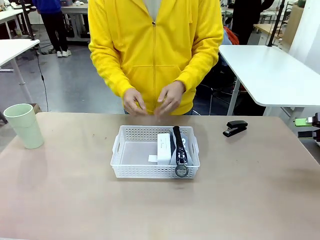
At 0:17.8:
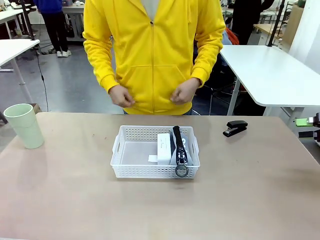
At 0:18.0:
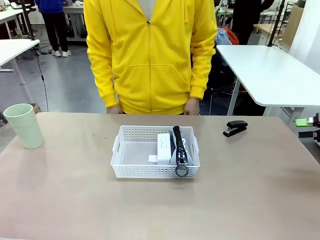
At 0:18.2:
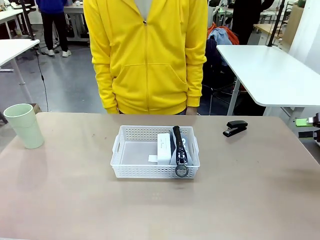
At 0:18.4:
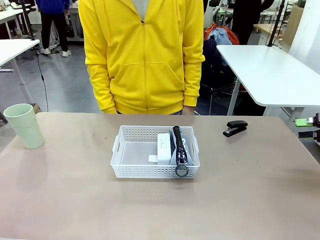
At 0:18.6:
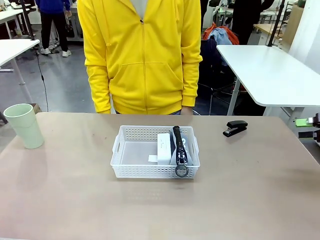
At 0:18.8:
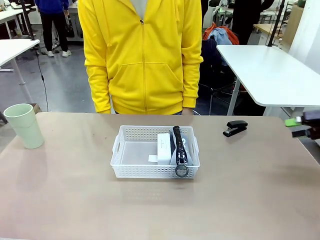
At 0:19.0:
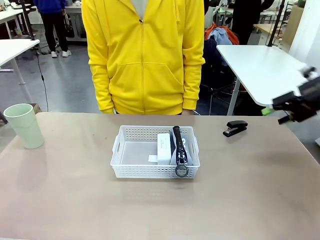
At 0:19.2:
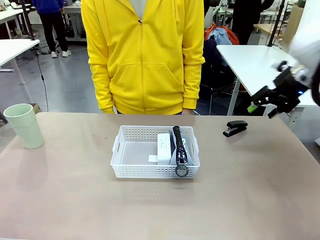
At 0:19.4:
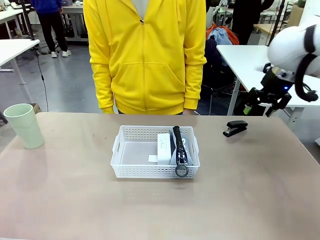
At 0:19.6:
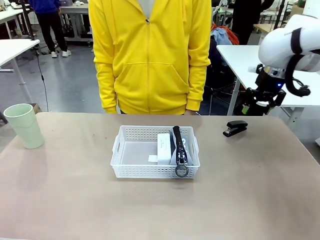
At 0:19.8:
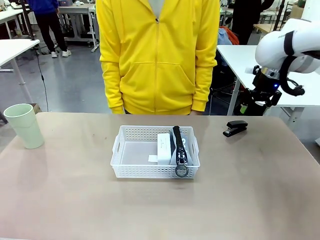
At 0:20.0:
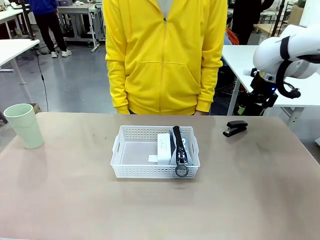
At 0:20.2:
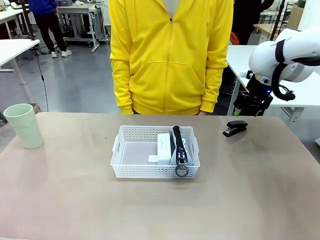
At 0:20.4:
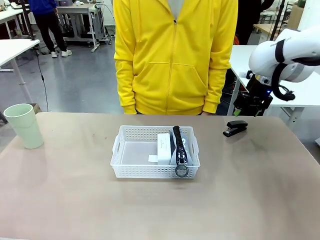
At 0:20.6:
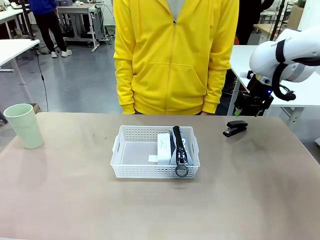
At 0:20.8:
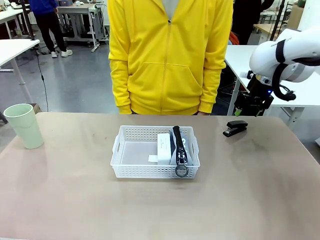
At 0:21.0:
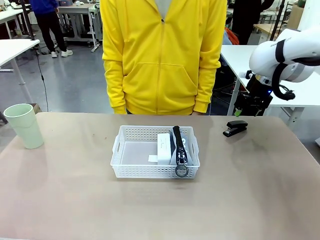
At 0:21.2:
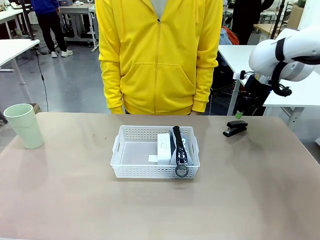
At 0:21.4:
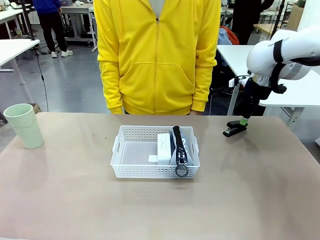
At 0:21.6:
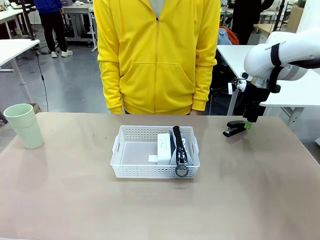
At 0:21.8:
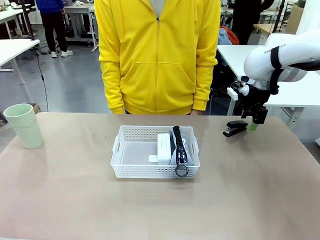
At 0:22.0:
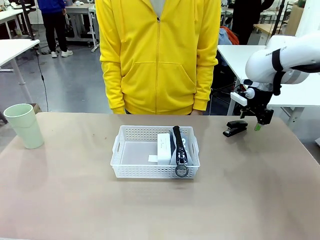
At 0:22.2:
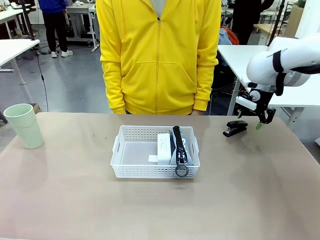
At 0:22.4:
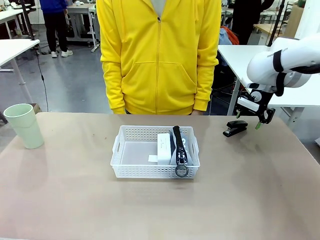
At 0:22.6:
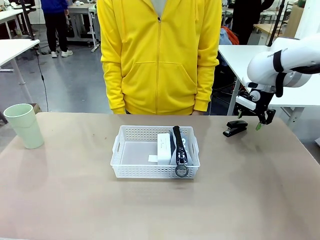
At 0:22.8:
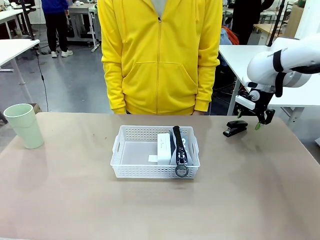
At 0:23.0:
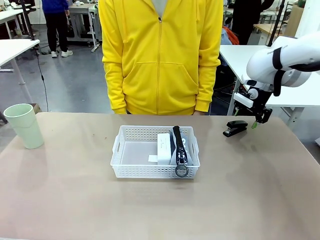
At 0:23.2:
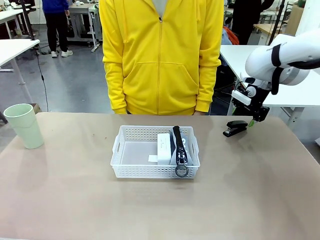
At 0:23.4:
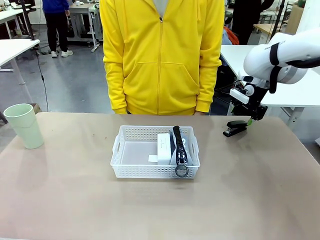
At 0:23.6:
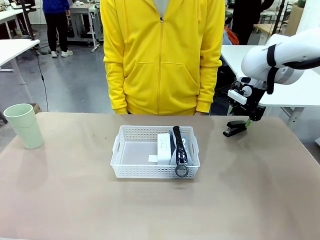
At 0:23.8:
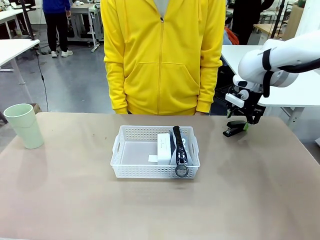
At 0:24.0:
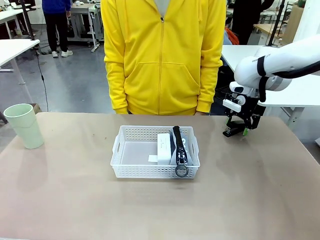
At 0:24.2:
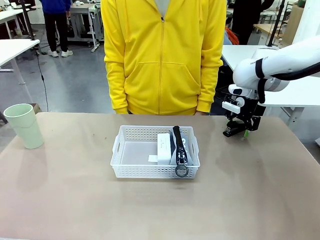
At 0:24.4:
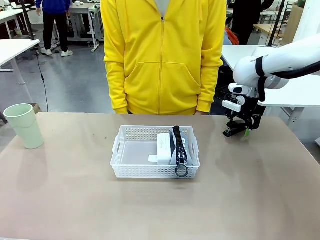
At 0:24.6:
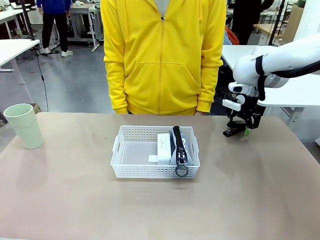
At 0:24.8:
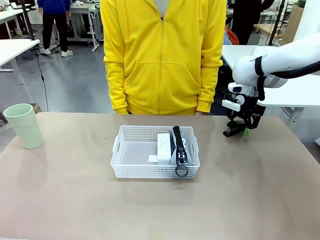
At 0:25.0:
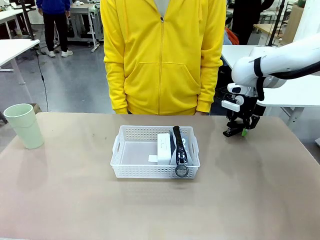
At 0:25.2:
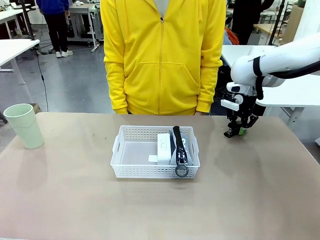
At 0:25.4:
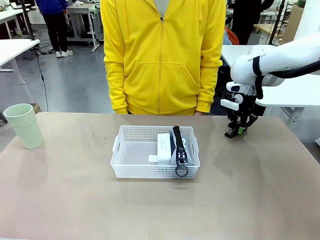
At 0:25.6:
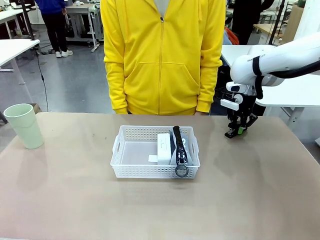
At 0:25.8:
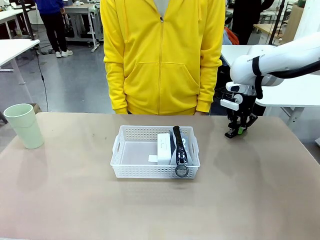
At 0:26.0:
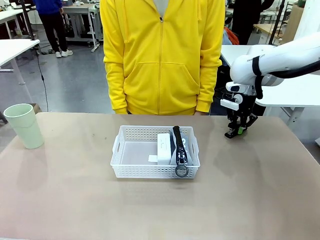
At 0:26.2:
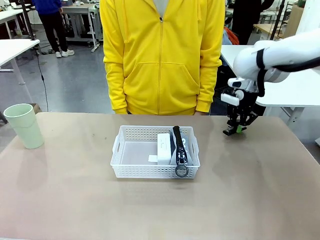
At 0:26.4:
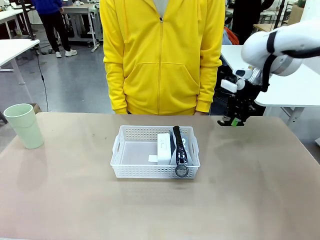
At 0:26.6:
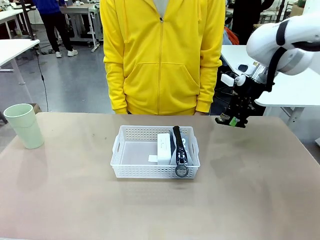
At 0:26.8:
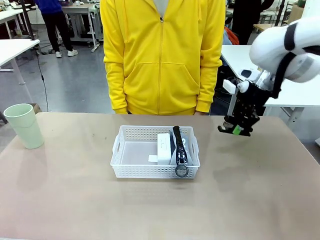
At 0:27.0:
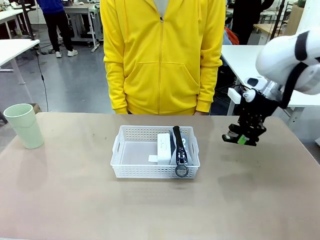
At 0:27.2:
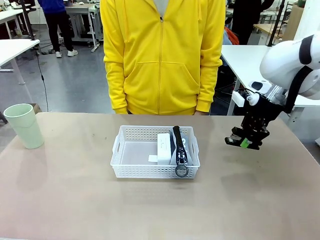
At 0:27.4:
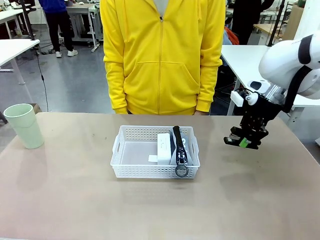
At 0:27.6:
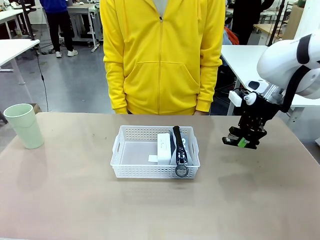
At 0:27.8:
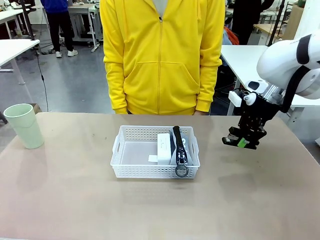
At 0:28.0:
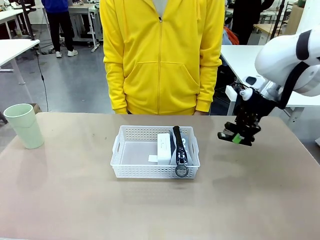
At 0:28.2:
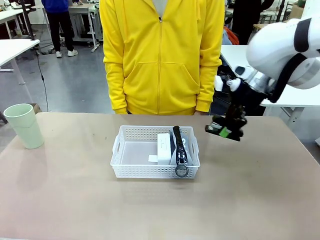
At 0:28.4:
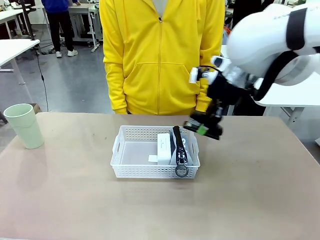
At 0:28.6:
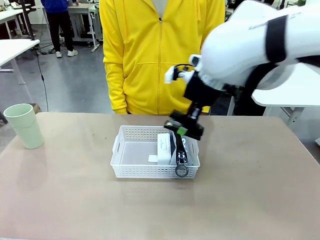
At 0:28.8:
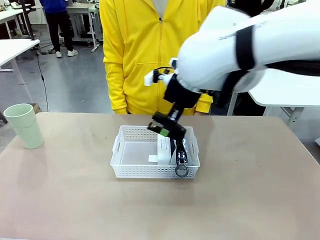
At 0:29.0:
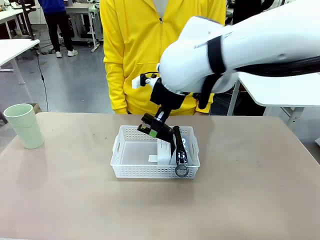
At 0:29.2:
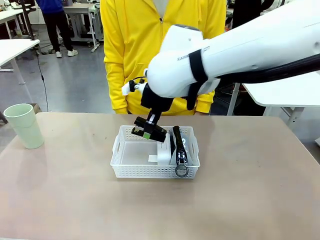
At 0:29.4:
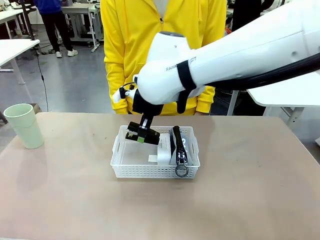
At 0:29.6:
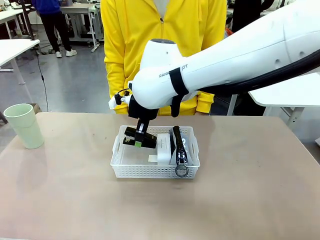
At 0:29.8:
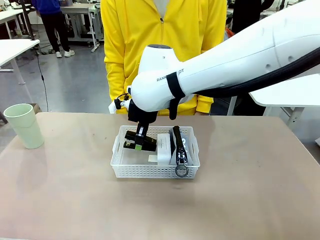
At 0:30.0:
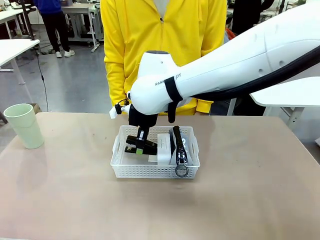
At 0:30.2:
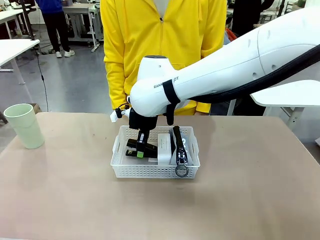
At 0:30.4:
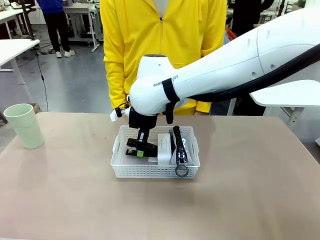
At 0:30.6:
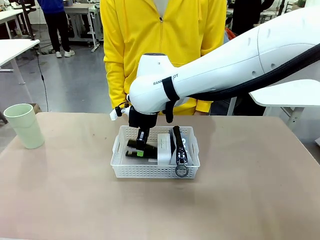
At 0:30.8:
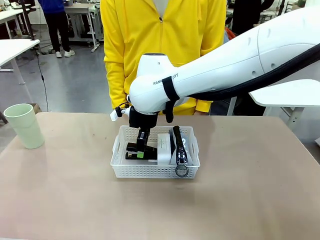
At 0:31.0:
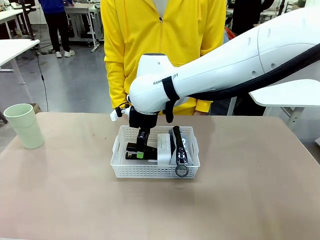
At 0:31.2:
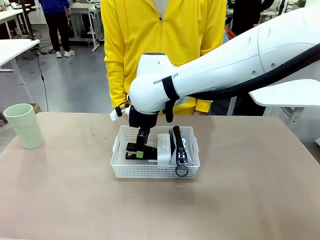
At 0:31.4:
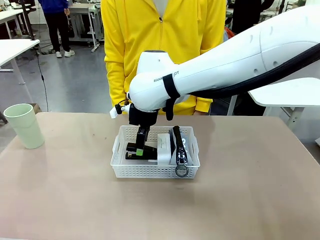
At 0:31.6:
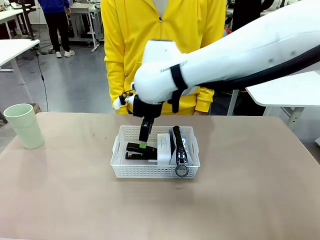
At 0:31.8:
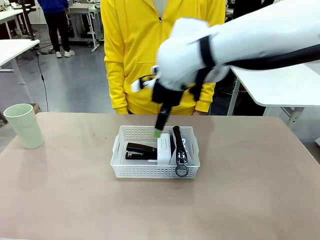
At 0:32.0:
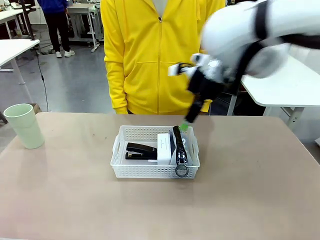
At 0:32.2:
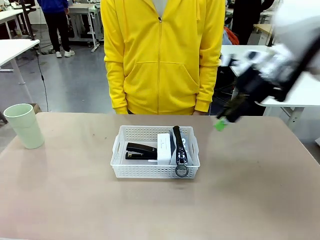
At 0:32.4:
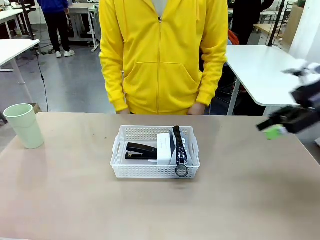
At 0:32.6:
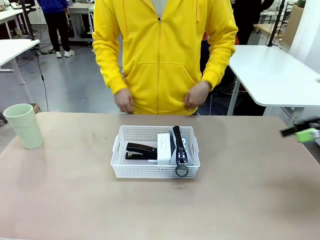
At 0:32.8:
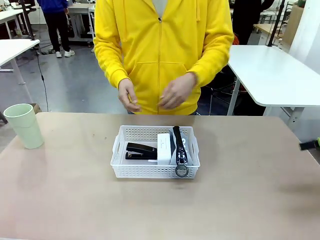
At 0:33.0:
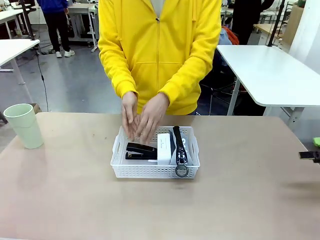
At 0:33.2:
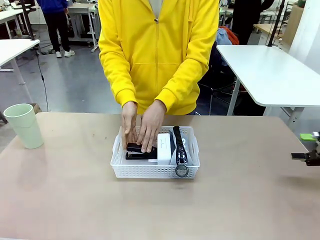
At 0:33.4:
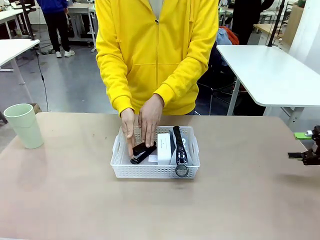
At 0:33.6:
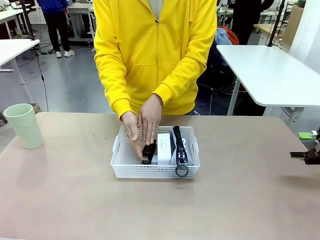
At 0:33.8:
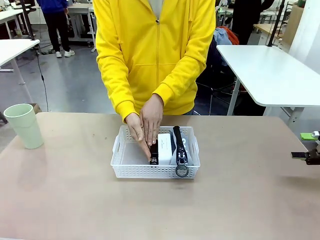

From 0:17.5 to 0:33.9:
Task: Efficiently arrange items inside the basket to fit them all.
Robot: Pick up the Stapler and place it inside the Organizing basket.
